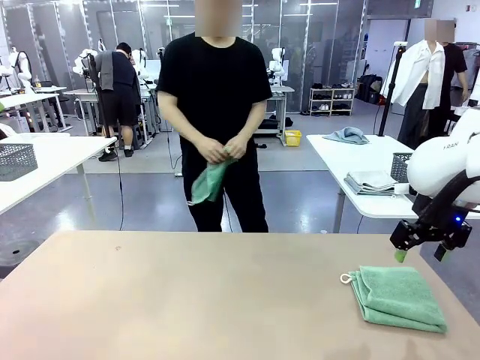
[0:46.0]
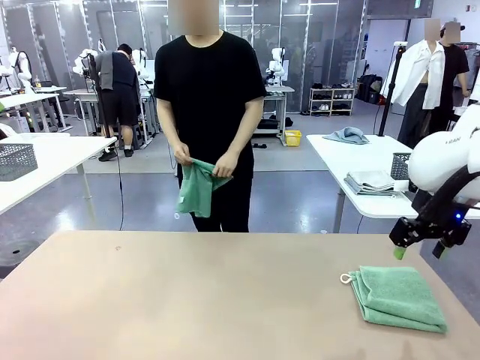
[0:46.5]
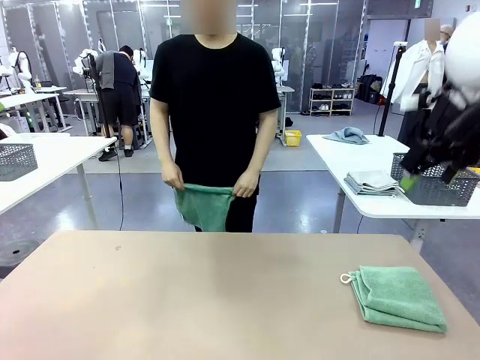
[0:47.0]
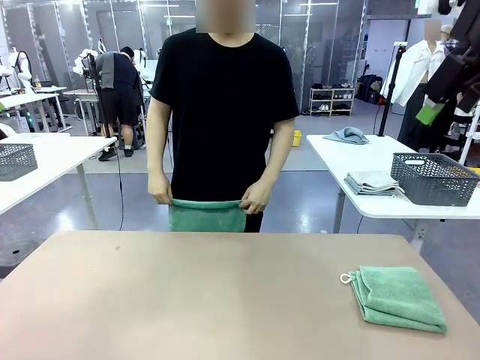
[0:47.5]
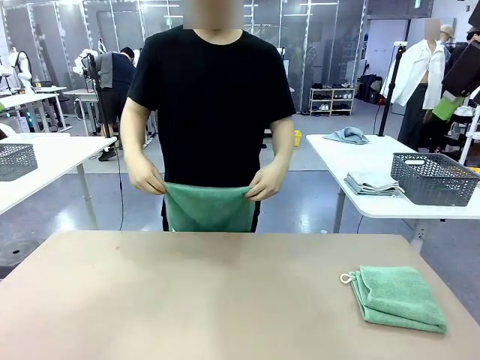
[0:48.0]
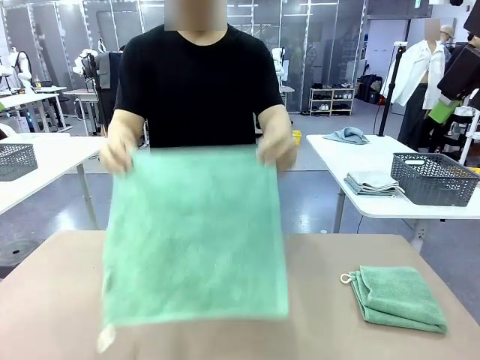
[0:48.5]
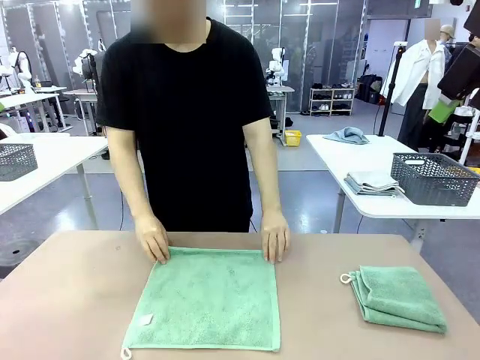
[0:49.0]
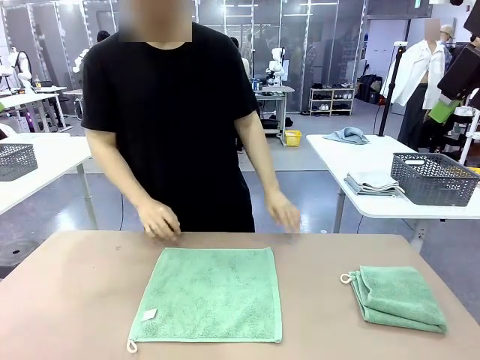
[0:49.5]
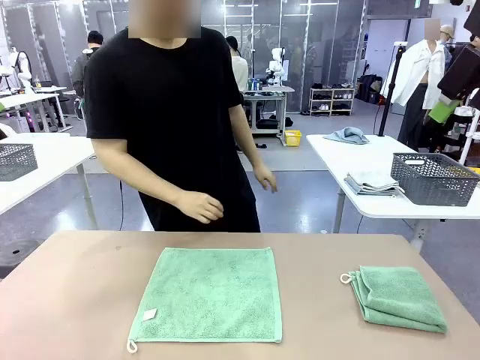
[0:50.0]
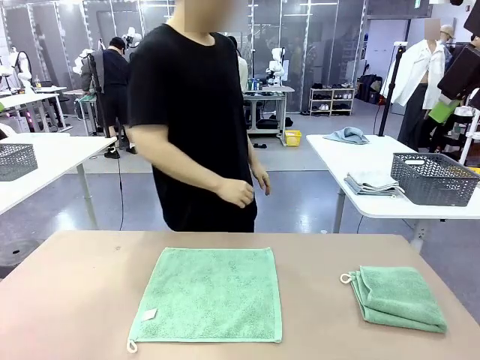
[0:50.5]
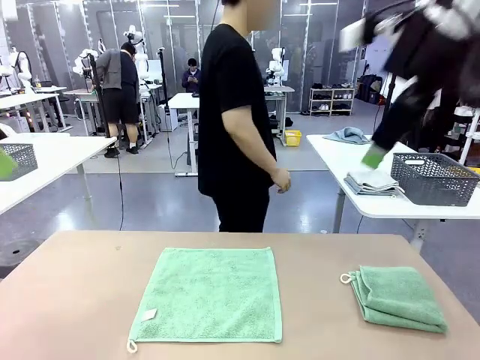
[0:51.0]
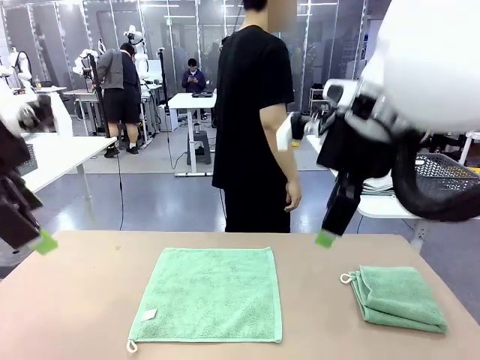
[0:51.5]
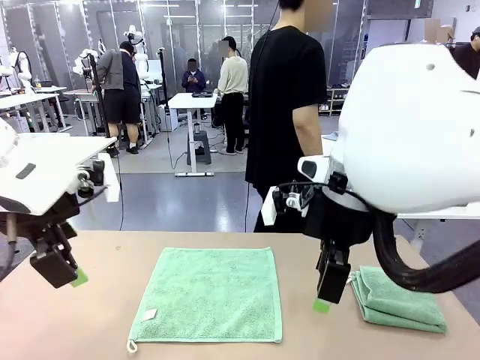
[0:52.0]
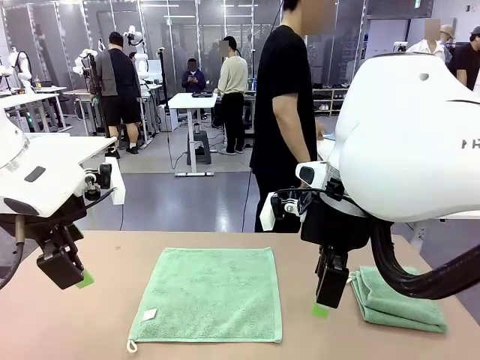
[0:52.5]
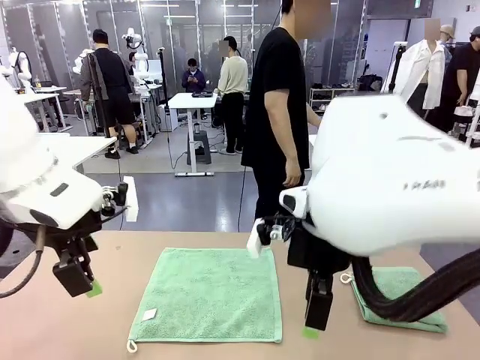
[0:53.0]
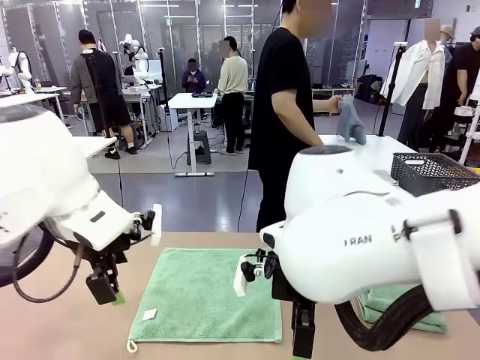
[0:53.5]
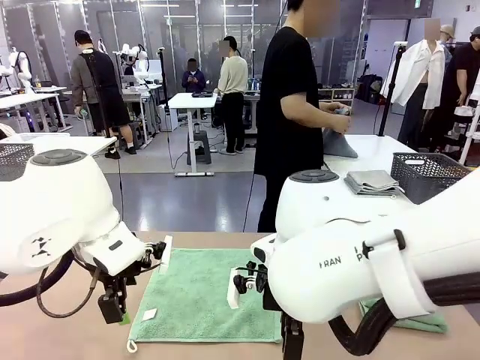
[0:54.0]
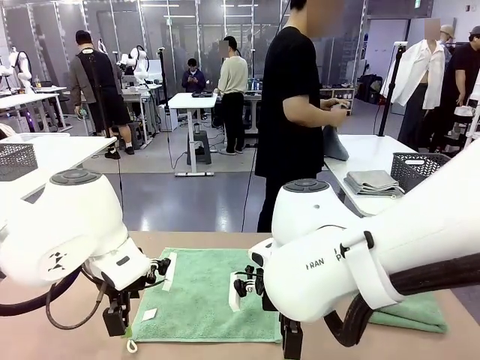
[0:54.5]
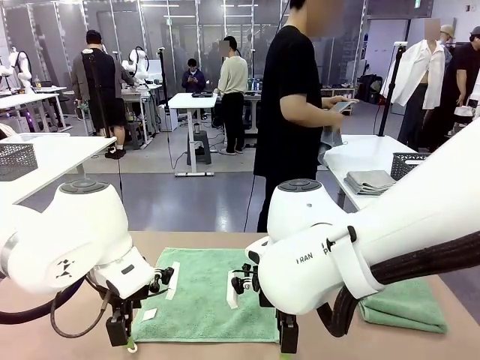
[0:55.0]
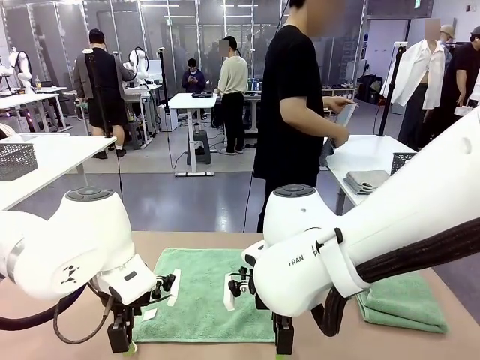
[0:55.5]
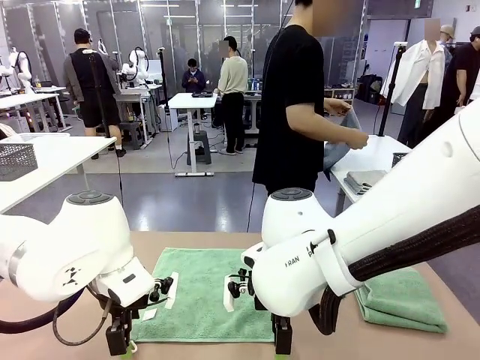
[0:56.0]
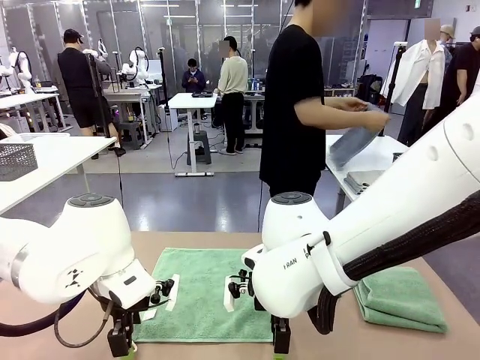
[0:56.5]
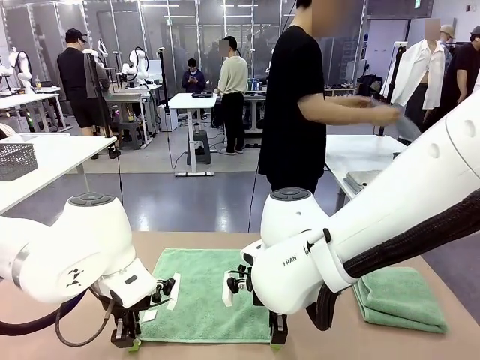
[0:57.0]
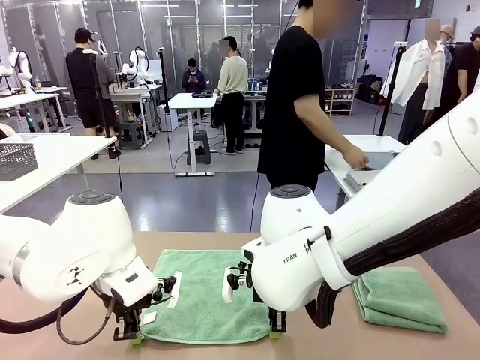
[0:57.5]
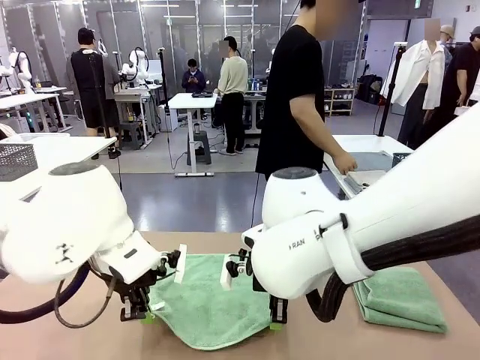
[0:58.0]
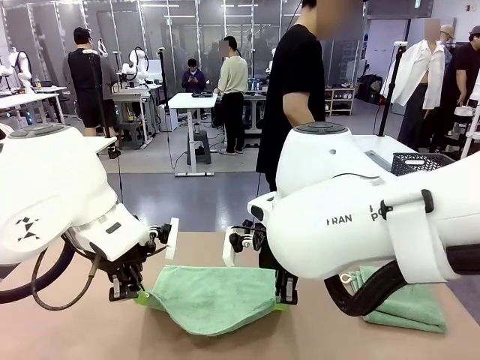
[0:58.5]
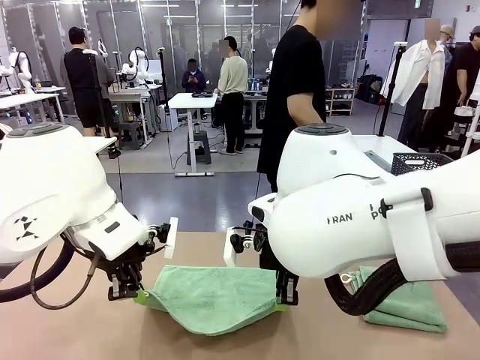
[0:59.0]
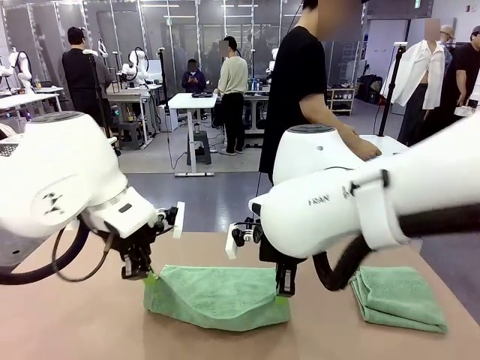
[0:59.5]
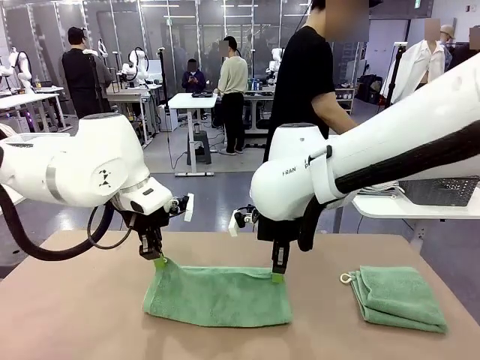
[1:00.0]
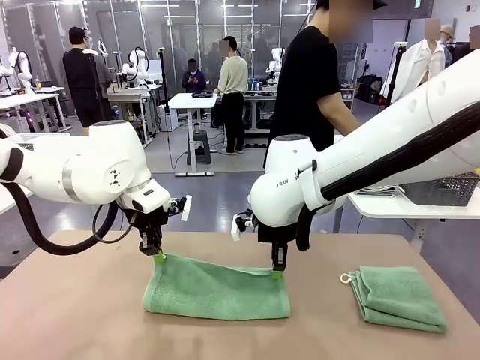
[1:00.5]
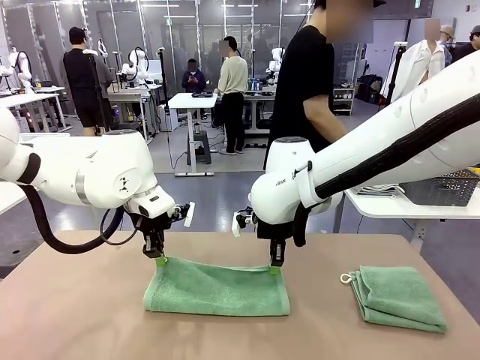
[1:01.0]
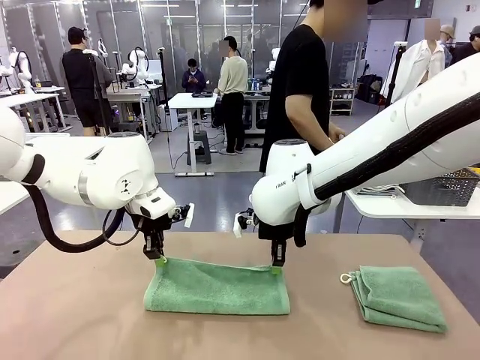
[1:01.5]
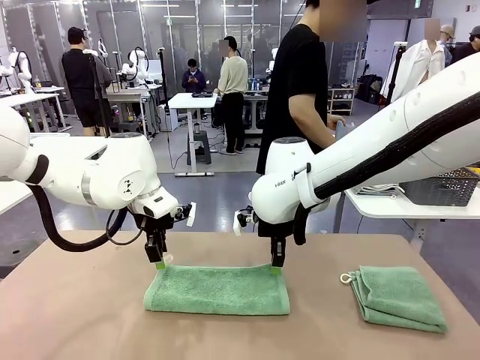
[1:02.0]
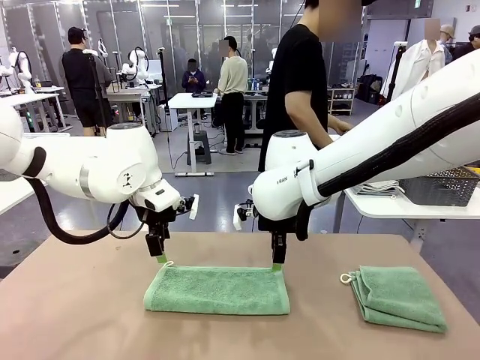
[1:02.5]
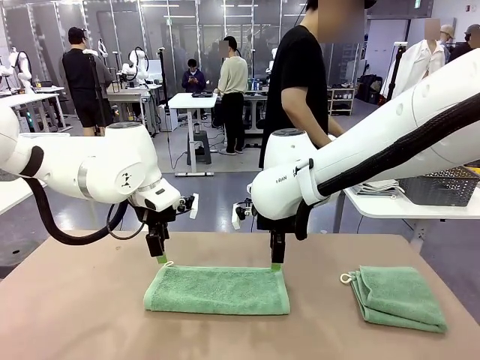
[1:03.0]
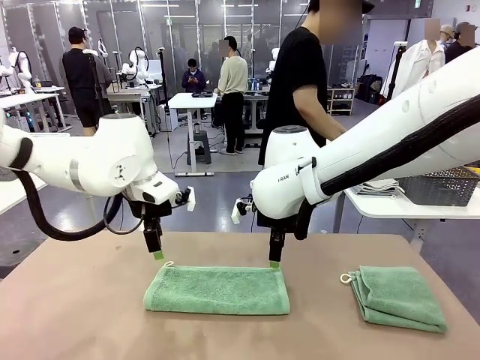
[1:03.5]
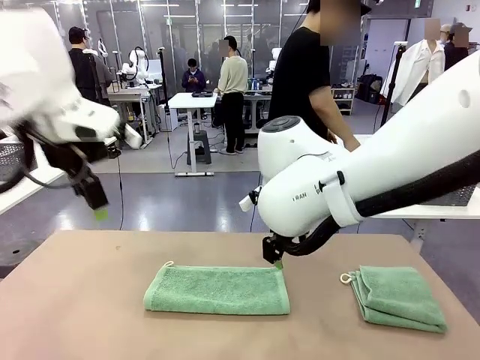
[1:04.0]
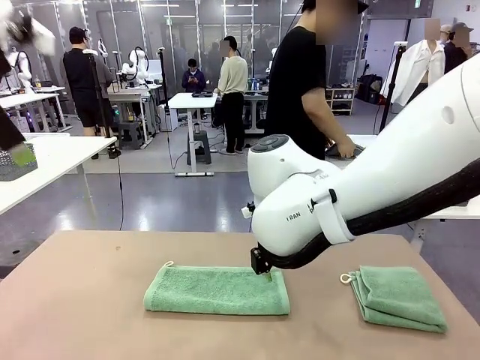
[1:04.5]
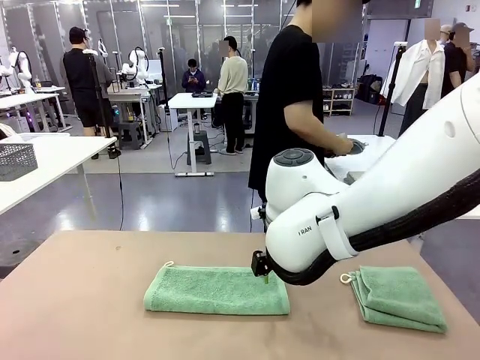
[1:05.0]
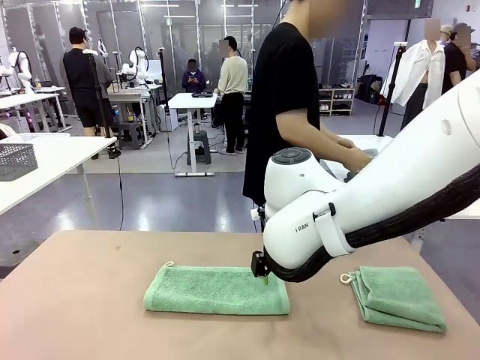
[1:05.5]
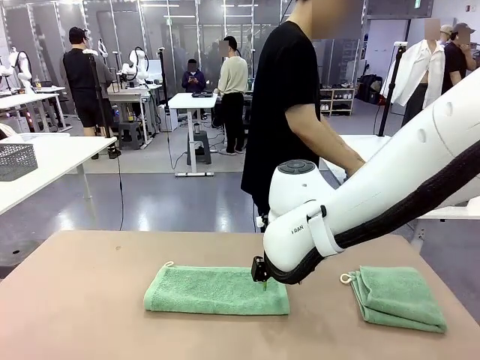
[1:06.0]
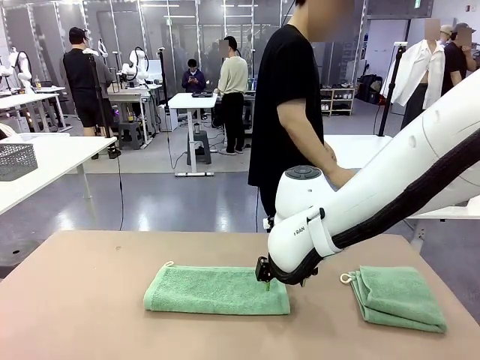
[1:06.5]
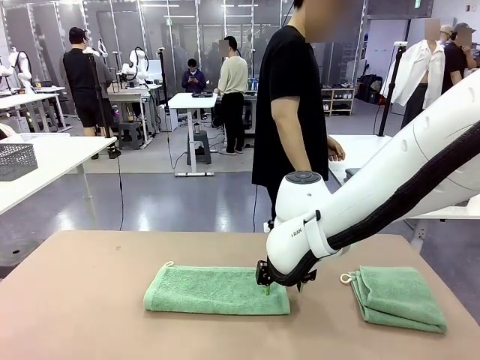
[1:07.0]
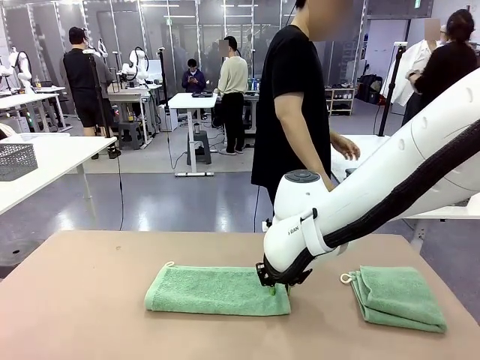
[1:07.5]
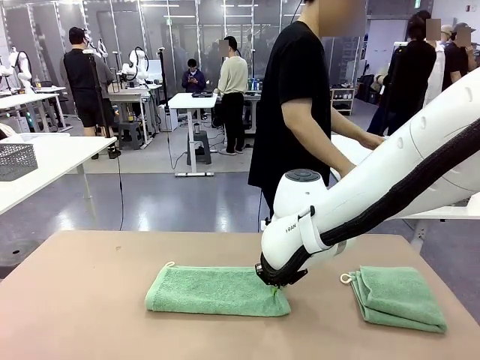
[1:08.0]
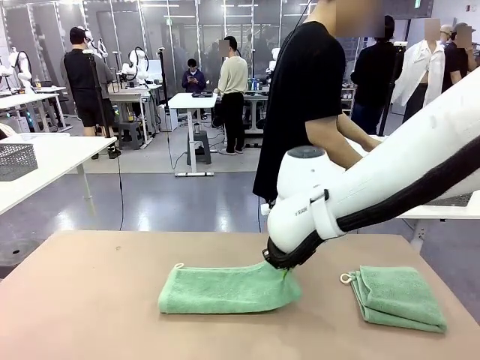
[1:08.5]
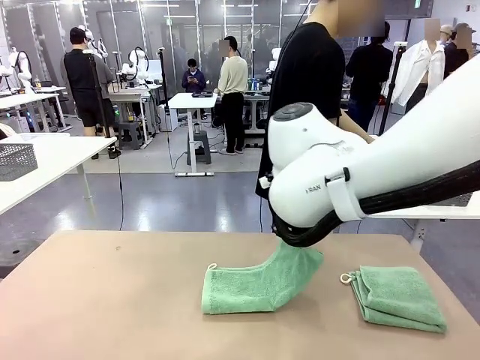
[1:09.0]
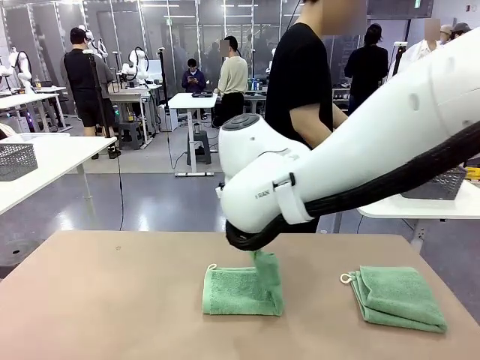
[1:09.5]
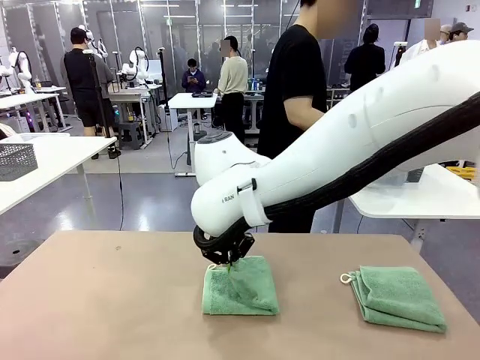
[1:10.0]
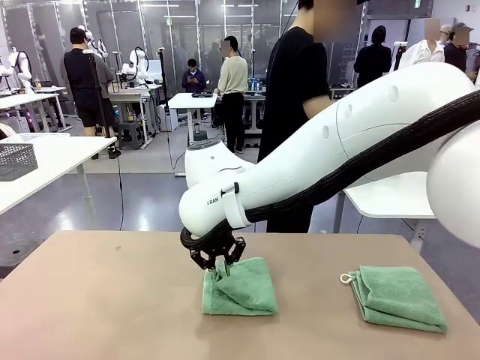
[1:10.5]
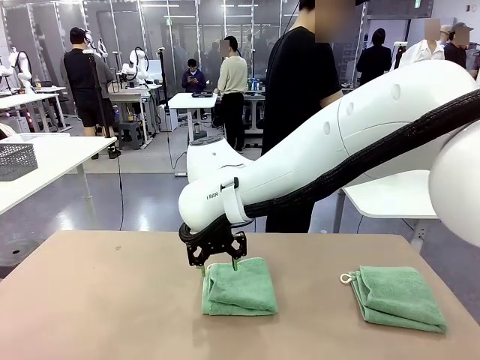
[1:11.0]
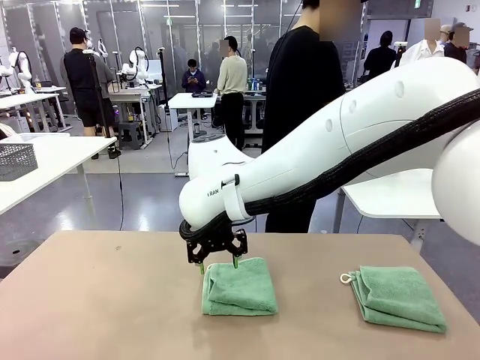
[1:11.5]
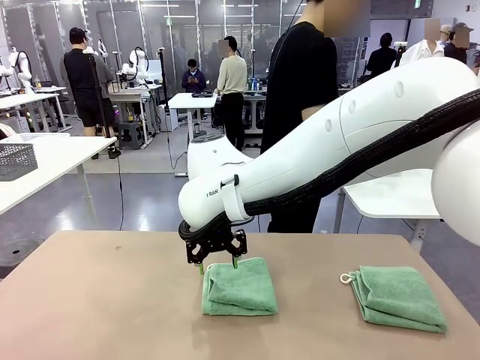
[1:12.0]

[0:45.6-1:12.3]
Task: Fold the towels and place them in the basket.
Robot: When a person lays out a Towel with hook on the table, fold it in half twice.
Person: Pick up one towel from the left side of the human table and spread it out at the center of the robot table. Pick up one towel from the left side of the human table, fold it in half twice, and stack it on the right side of the table. Pick up the stack of towels from the right side of the human table, place it into the basket, and put the basket at the center of the table.

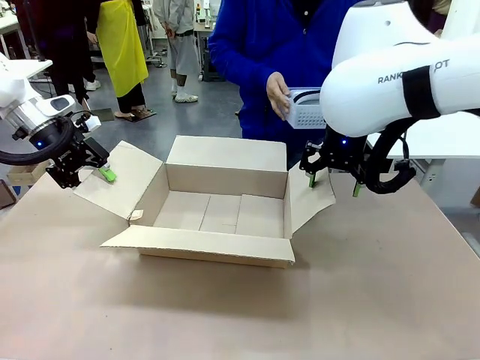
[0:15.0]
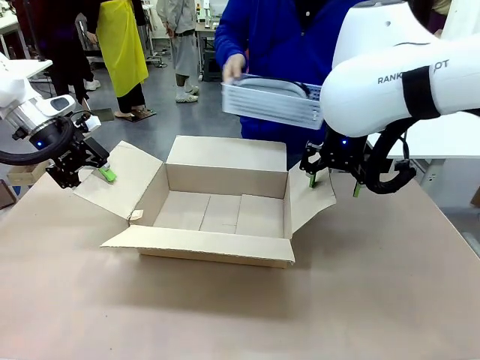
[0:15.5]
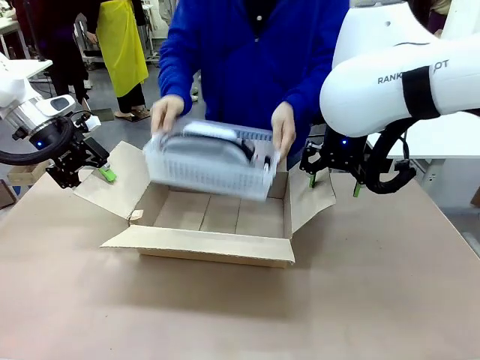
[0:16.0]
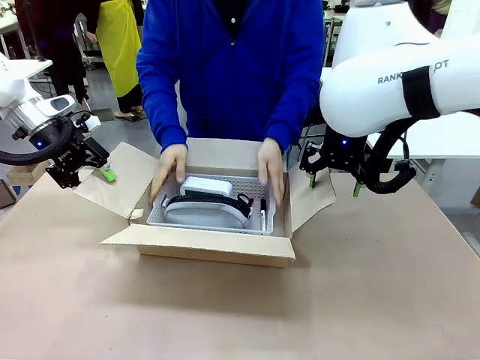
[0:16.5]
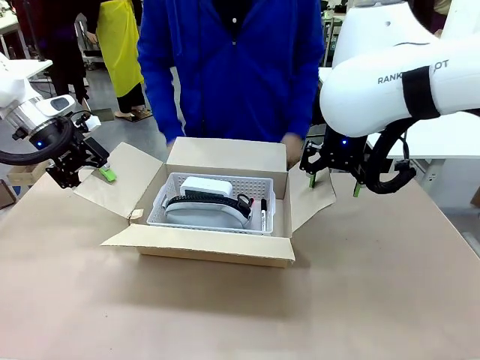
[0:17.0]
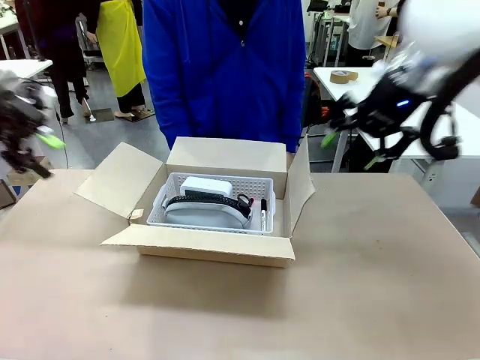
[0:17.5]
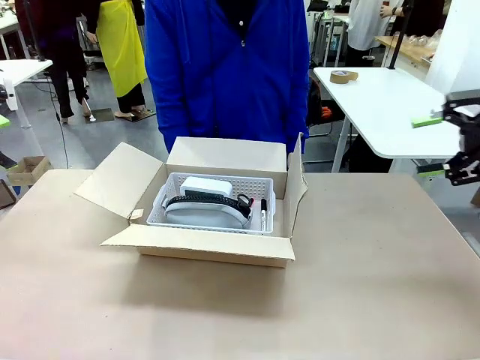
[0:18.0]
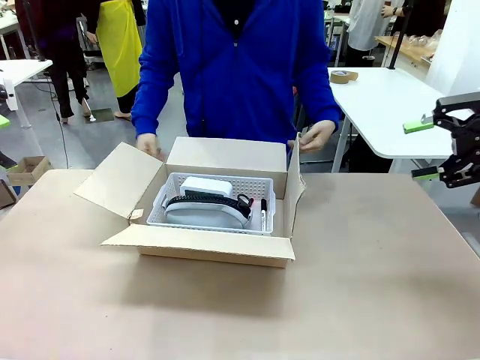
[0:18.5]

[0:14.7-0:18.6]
Task: Pack the gift set into the box.
Robot: Lift both hands away from the flaps of the Package Box.
Person: The human picks up the organizing basket and places the organizing basket into the package box on the robot table.
